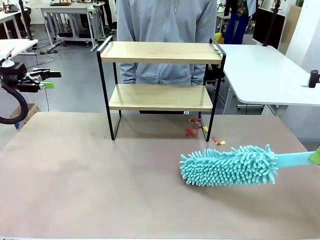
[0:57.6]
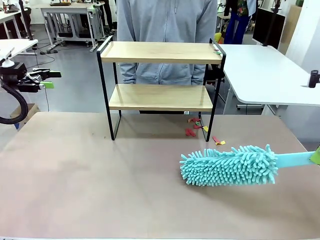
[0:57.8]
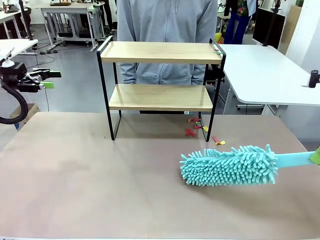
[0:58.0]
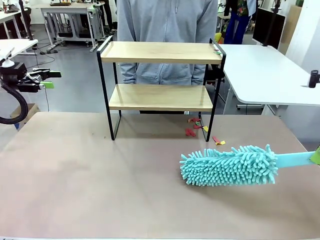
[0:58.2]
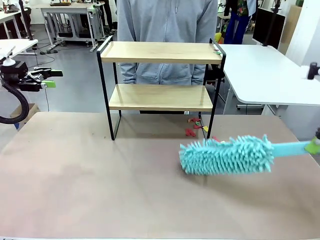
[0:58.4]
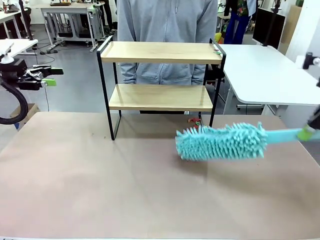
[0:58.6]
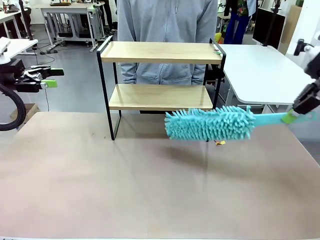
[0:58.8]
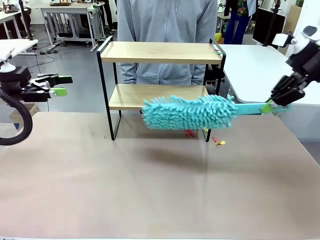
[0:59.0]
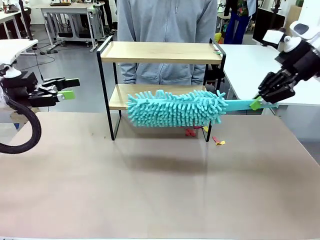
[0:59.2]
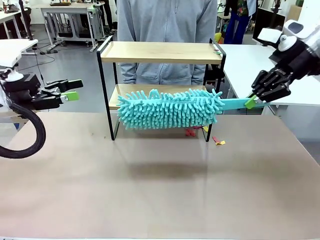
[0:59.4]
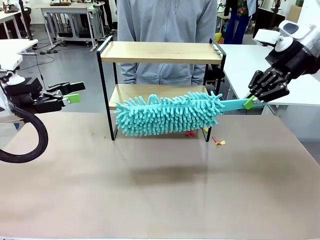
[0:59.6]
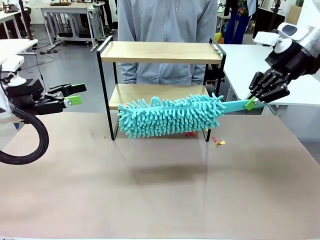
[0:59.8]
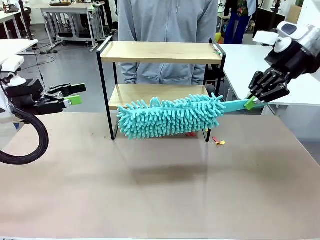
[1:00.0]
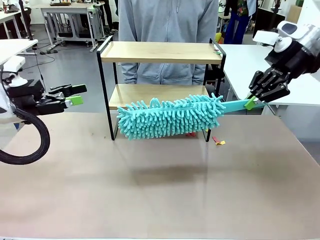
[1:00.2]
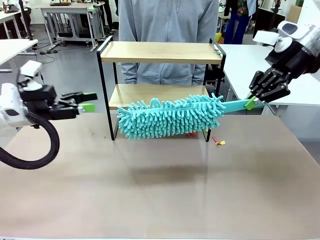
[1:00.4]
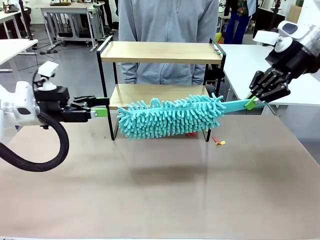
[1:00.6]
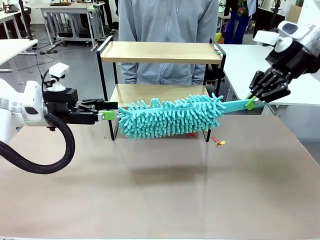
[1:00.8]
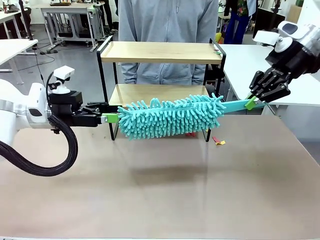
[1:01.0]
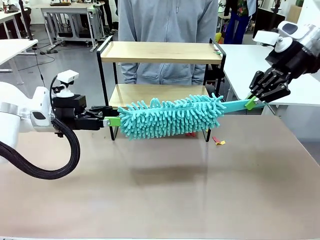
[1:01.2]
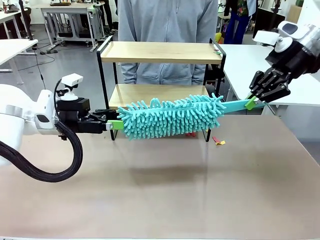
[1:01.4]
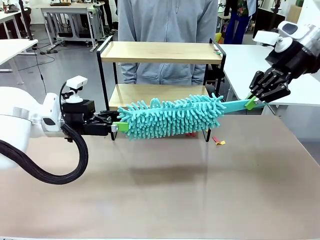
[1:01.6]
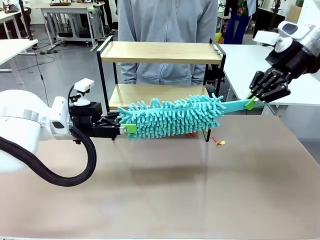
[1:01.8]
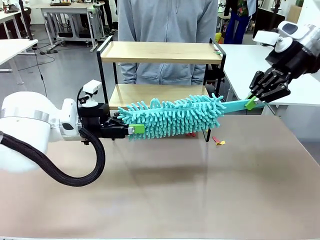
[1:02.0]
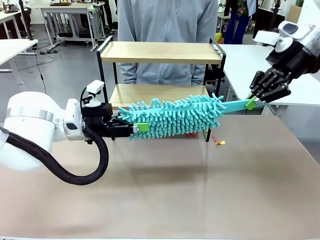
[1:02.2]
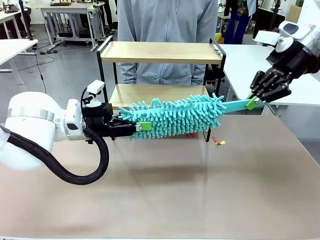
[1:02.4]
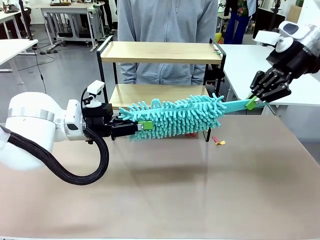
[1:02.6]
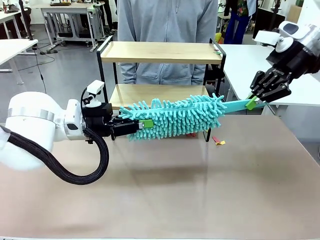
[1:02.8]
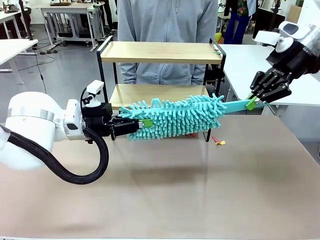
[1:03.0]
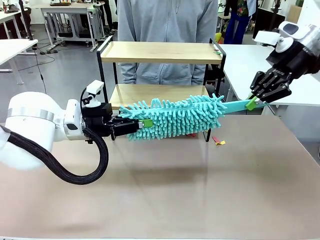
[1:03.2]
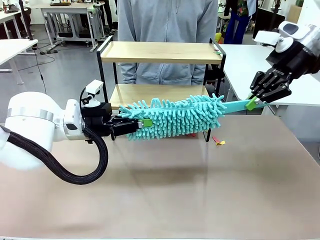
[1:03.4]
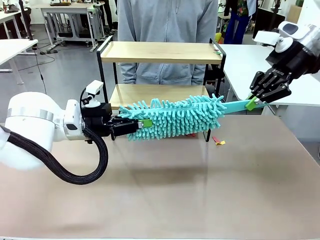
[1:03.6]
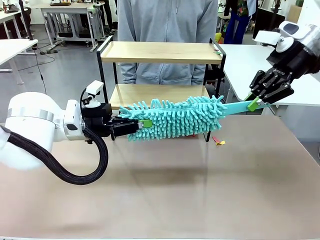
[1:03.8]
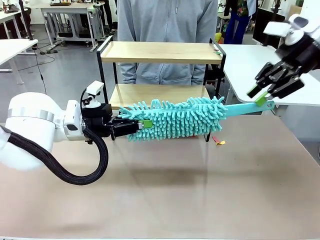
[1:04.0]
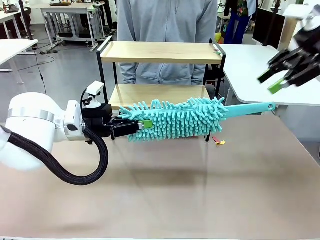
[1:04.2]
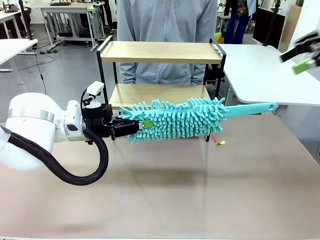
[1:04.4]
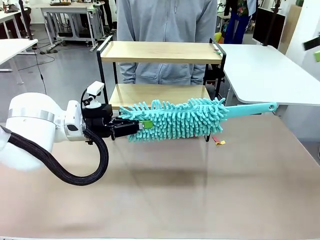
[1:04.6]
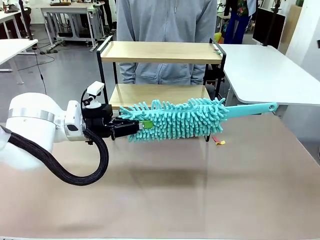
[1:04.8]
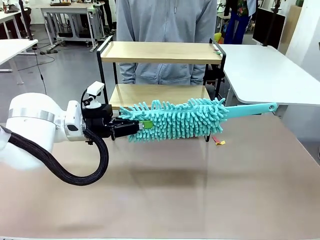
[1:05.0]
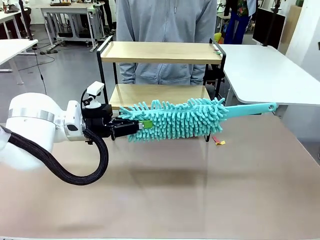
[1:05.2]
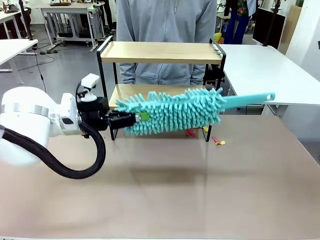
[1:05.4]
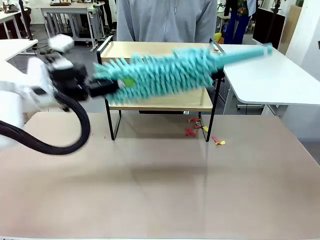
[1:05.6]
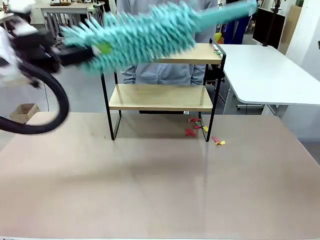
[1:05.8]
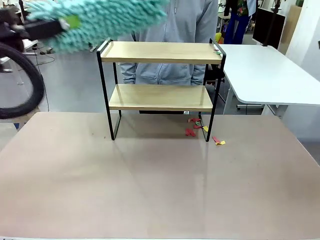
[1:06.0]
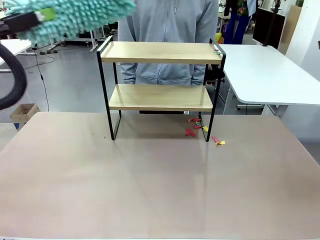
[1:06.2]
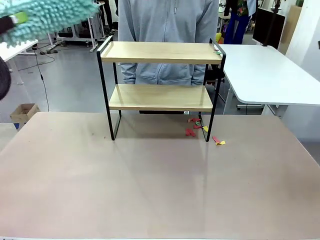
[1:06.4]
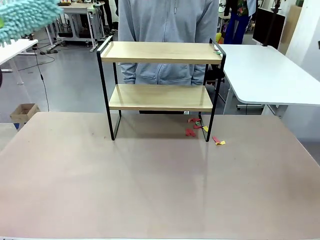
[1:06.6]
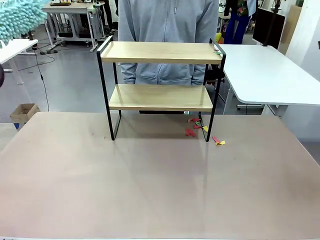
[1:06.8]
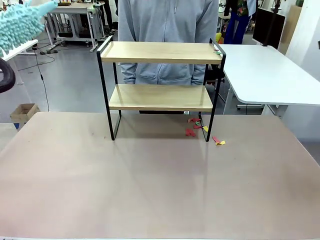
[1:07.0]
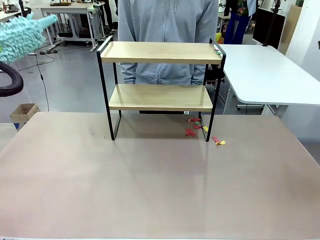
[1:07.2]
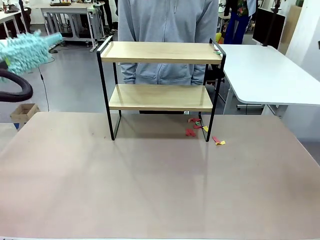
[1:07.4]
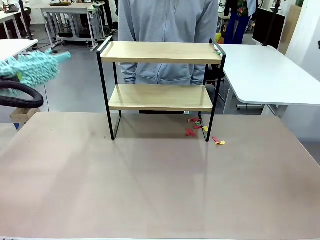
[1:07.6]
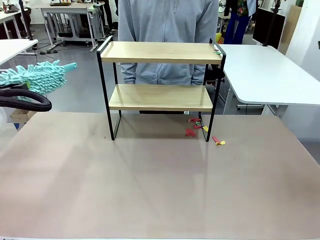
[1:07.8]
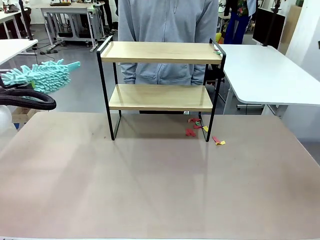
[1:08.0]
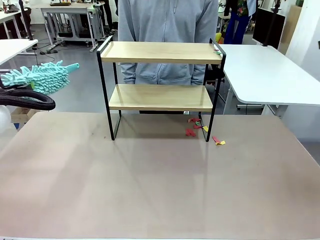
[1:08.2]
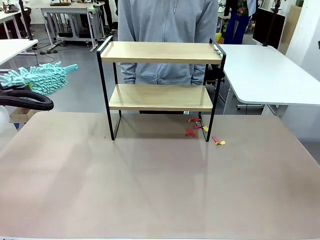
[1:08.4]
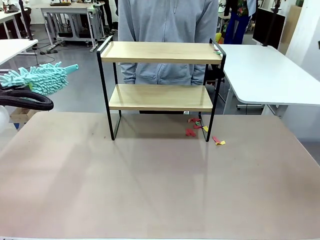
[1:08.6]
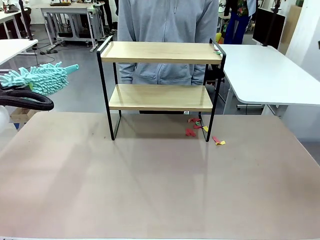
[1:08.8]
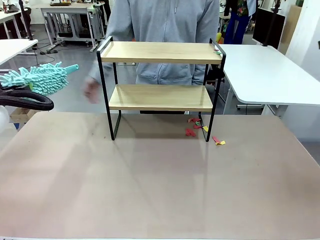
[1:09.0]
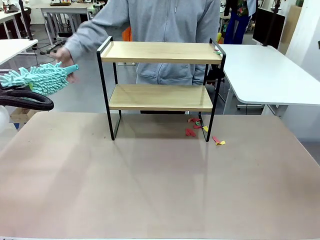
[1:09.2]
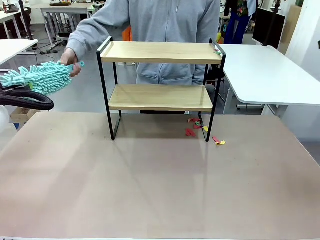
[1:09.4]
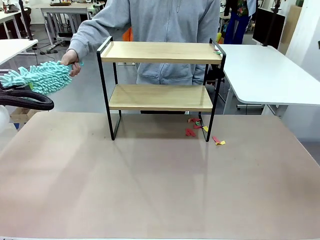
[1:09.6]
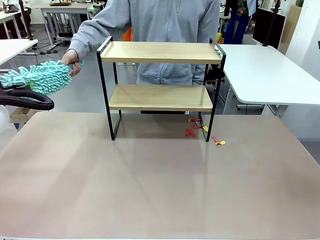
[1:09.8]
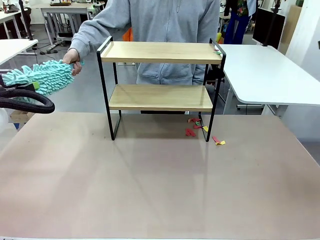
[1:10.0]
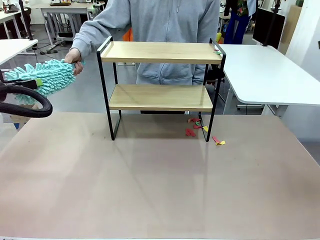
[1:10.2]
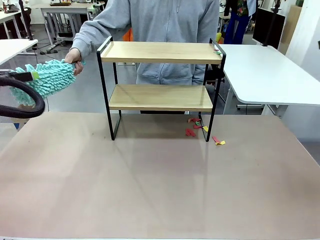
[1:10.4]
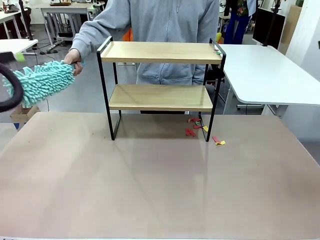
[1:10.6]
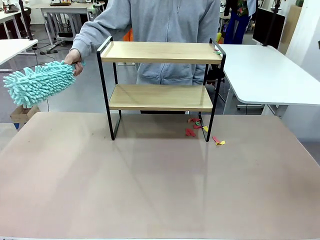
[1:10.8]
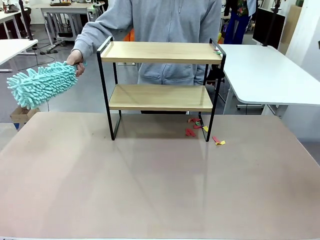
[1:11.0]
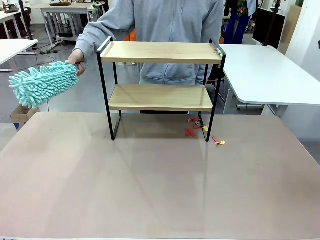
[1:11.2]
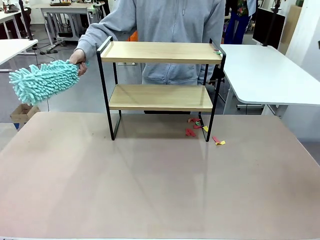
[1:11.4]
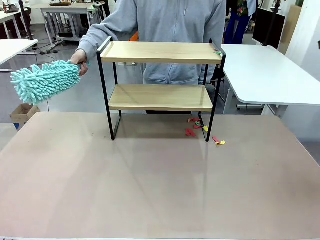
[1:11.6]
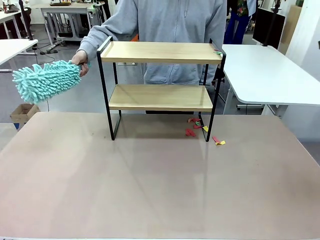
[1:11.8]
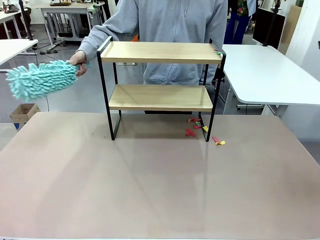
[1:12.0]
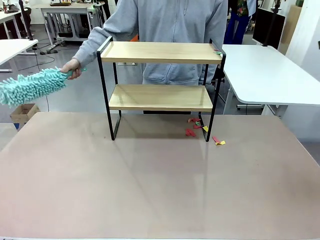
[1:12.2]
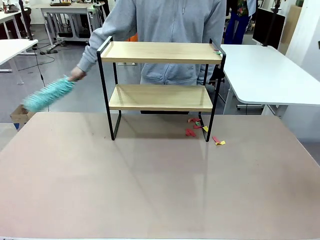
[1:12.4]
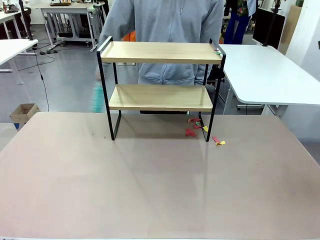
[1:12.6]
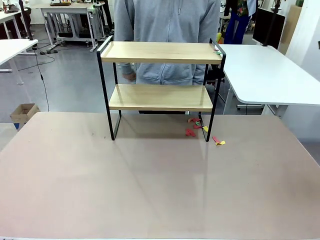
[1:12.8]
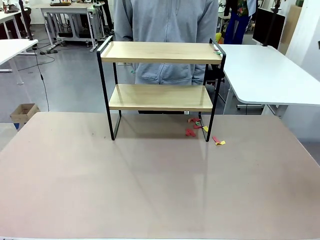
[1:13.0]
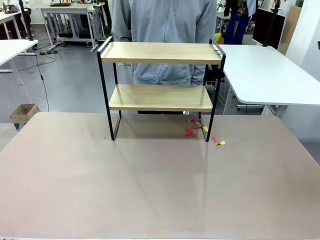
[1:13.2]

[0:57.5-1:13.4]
Task: Clean the shelf.
Robot: Hand the Duster back to the human.
Person: Receive the Duster from the robot.

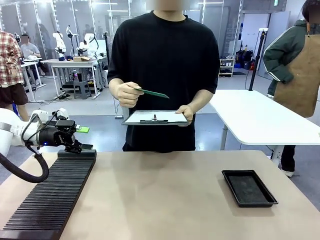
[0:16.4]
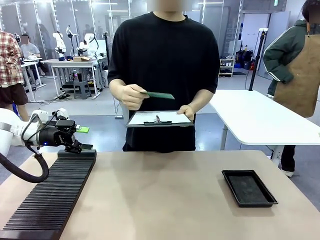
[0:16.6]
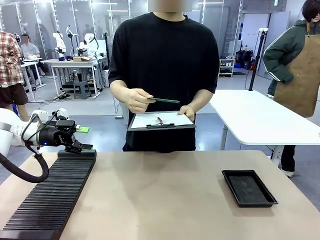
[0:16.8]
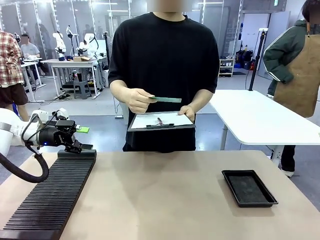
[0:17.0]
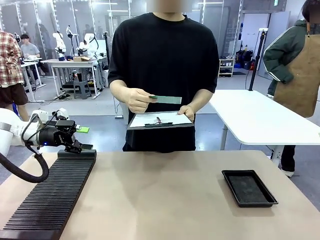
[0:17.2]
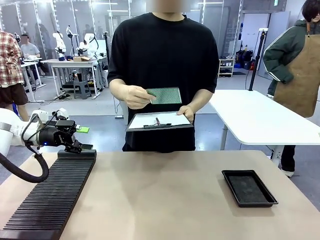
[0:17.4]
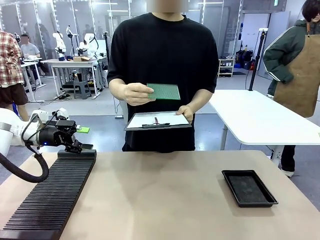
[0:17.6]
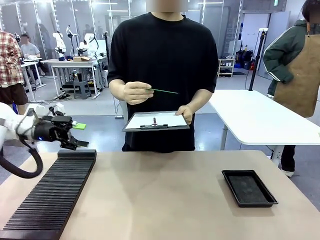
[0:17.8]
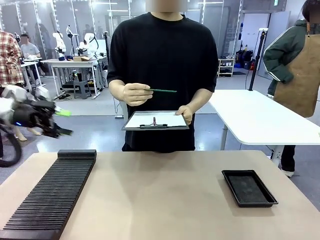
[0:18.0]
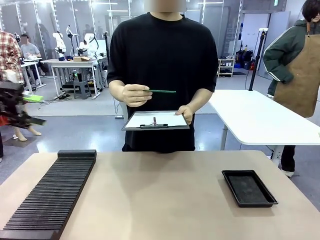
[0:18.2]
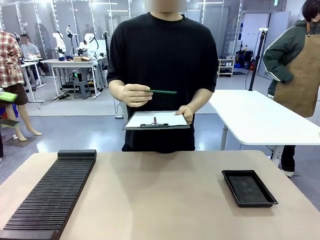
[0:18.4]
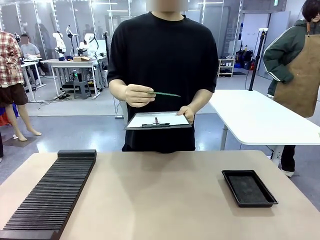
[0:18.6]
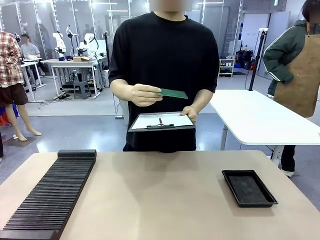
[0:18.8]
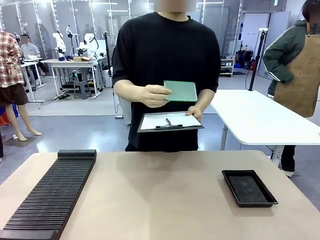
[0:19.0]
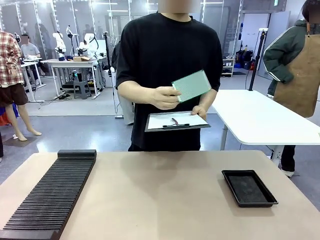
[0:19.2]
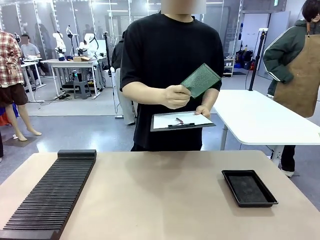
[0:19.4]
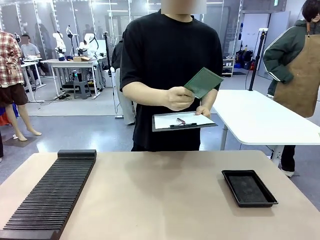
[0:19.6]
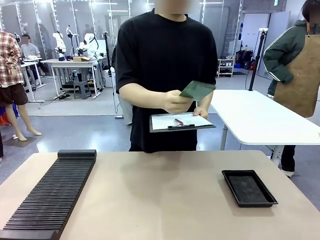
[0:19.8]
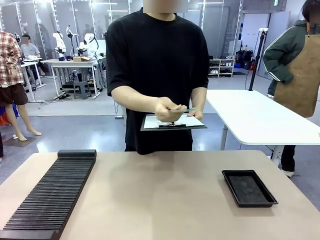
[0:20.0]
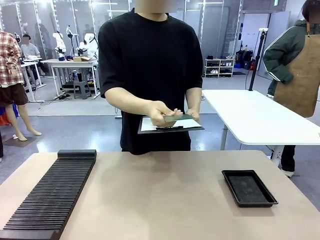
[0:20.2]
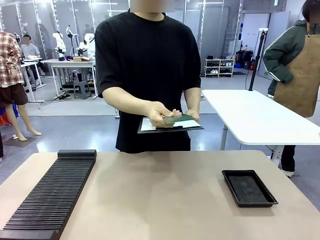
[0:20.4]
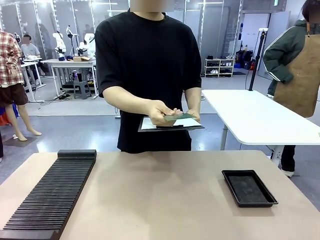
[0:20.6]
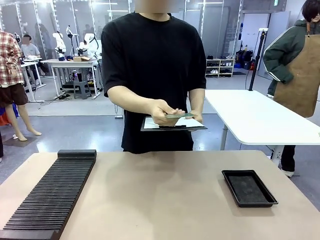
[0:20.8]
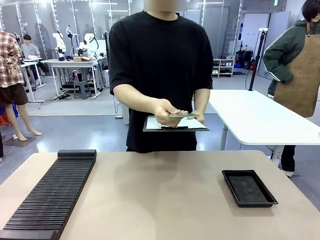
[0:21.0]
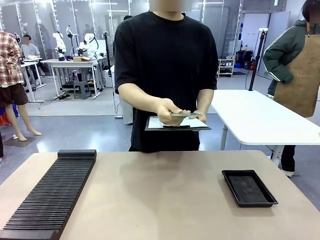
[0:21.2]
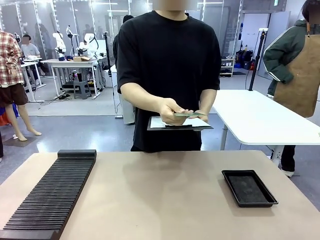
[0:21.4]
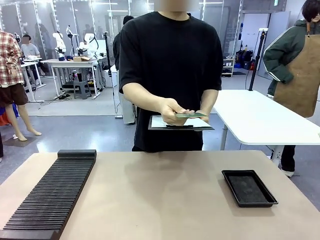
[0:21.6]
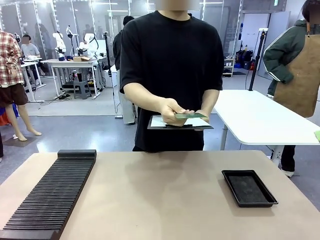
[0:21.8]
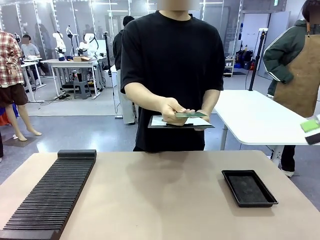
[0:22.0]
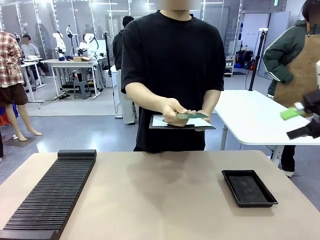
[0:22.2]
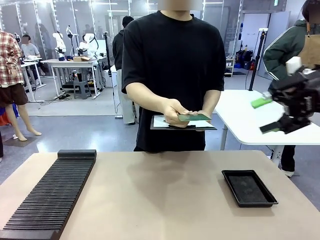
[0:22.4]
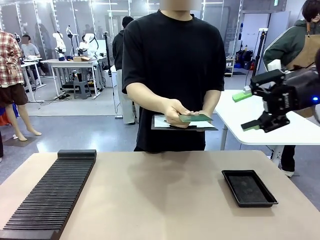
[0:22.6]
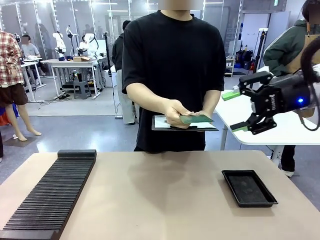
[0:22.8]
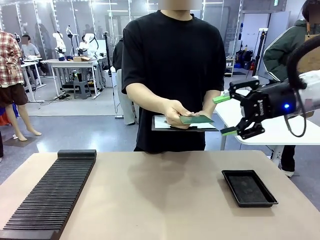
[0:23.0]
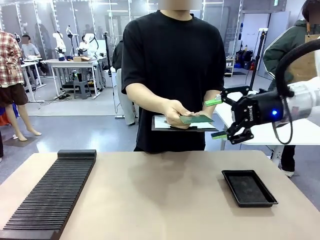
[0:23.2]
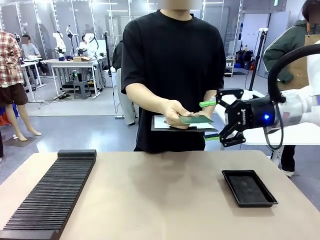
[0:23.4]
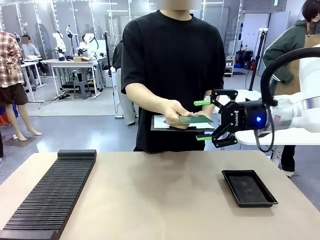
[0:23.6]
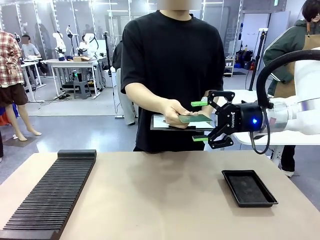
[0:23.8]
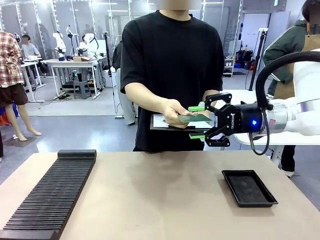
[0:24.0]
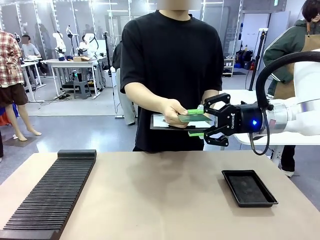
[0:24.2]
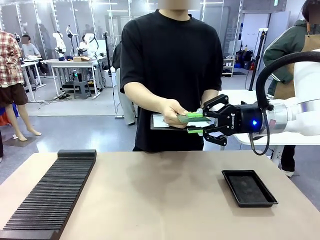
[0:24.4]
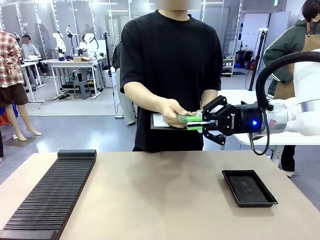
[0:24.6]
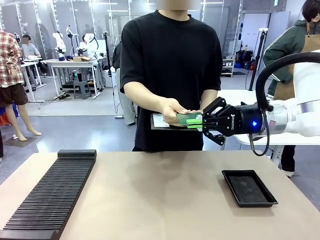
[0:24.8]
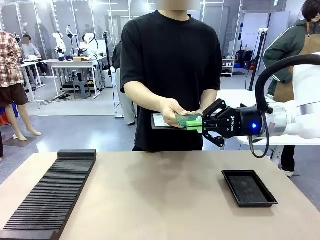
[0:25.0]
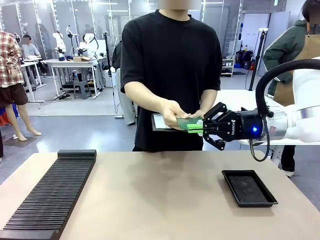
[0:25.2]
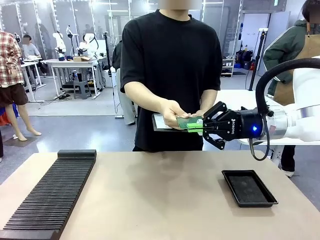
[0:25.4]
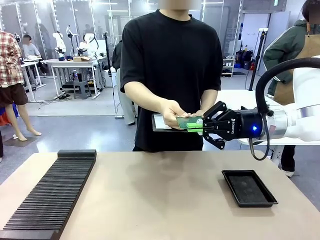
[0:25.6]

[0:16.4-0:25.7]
Task: Inspect the PCB.
Robot: Pick up the Blank PCB that the human is holding.
Person: Inspect the PCB placed by the robot, then hold it out in front of the robot. Release the PCB you were holding.
